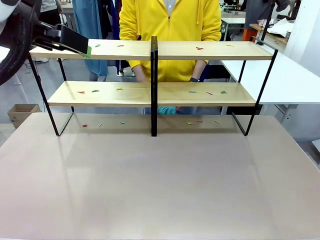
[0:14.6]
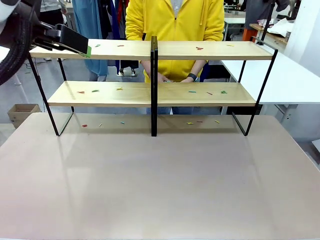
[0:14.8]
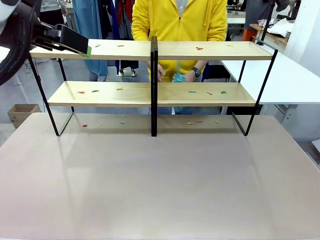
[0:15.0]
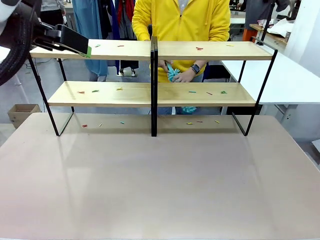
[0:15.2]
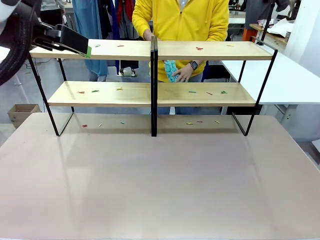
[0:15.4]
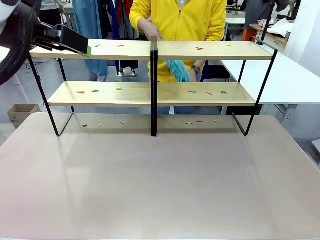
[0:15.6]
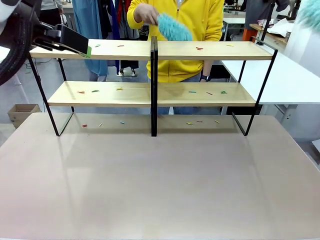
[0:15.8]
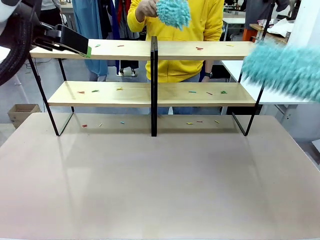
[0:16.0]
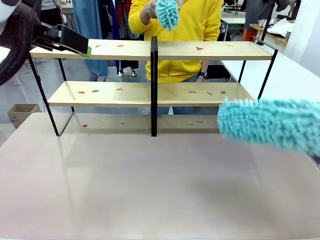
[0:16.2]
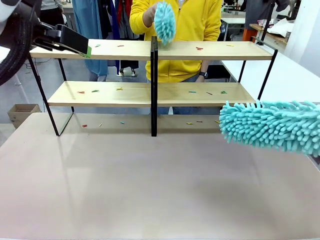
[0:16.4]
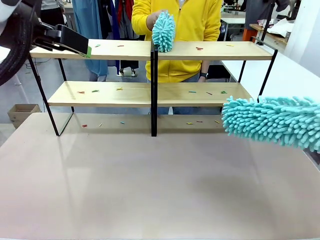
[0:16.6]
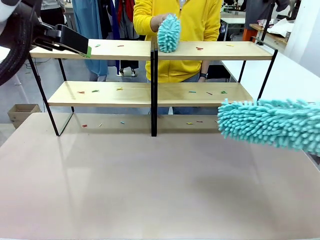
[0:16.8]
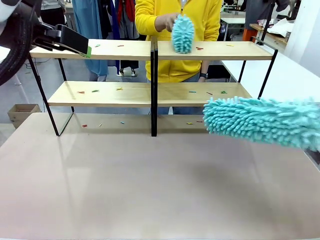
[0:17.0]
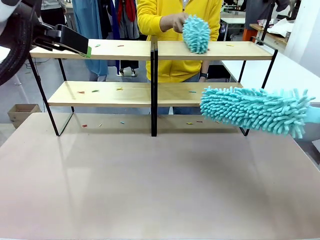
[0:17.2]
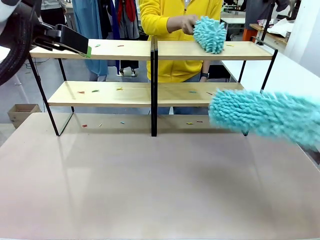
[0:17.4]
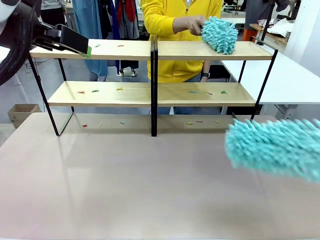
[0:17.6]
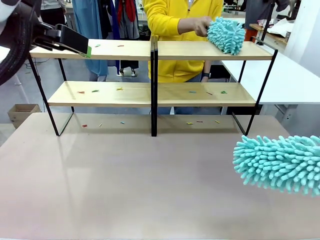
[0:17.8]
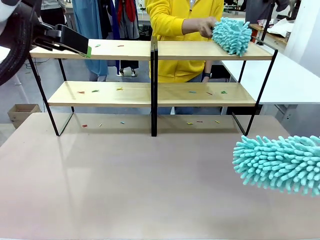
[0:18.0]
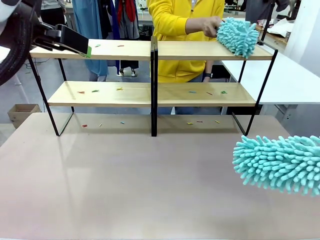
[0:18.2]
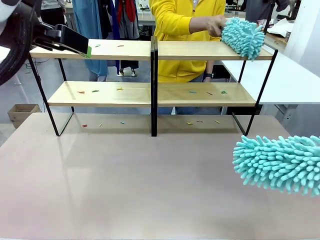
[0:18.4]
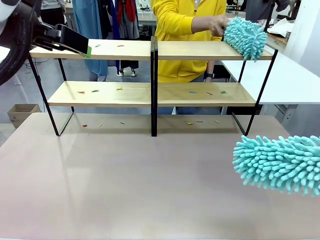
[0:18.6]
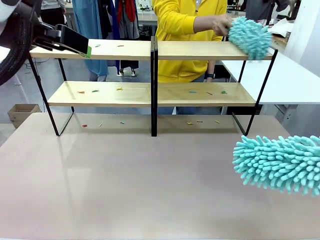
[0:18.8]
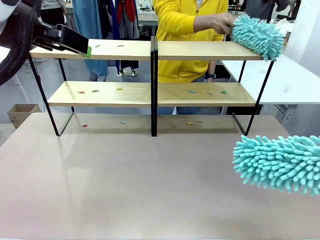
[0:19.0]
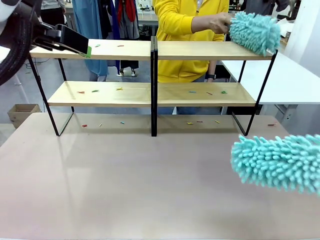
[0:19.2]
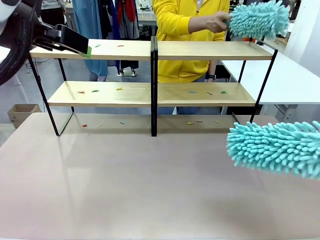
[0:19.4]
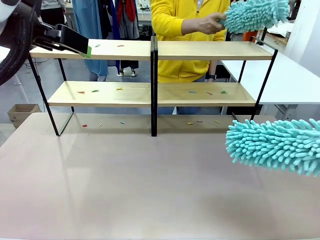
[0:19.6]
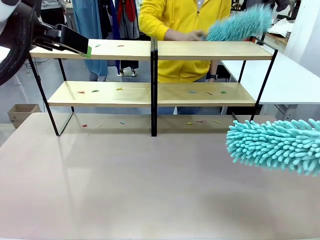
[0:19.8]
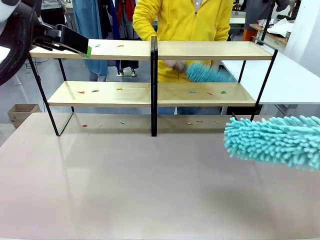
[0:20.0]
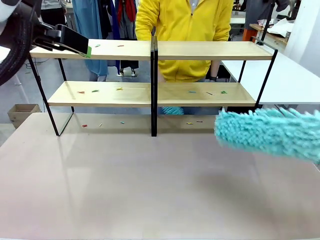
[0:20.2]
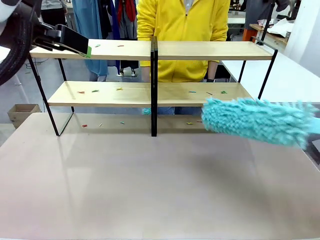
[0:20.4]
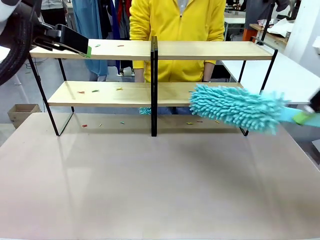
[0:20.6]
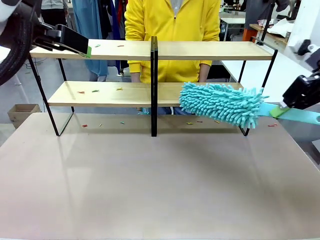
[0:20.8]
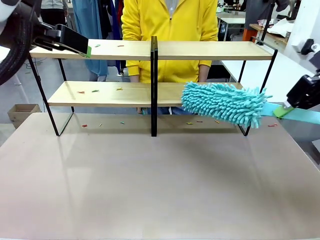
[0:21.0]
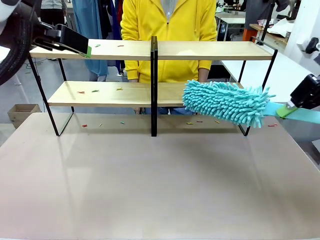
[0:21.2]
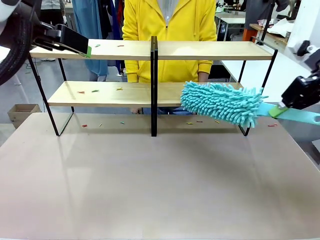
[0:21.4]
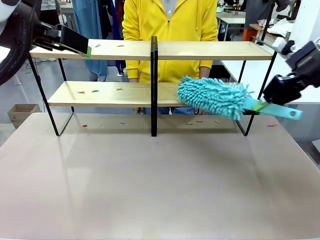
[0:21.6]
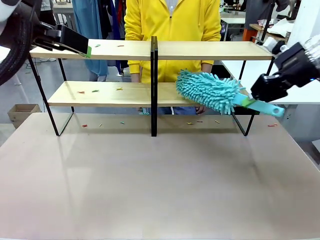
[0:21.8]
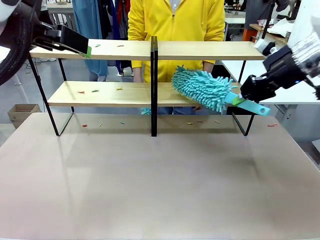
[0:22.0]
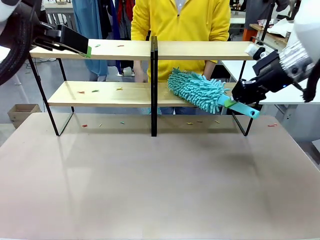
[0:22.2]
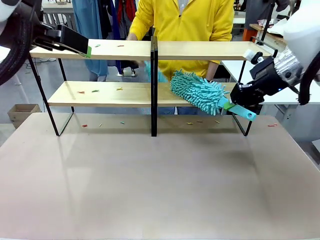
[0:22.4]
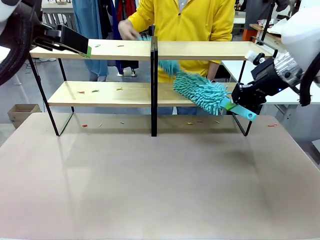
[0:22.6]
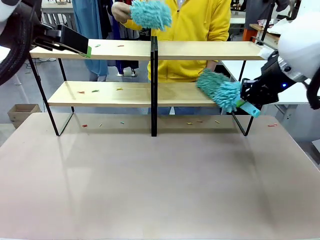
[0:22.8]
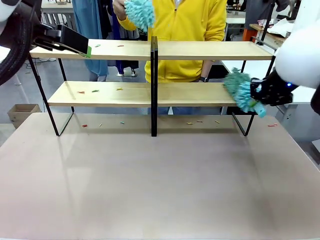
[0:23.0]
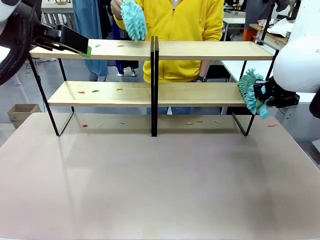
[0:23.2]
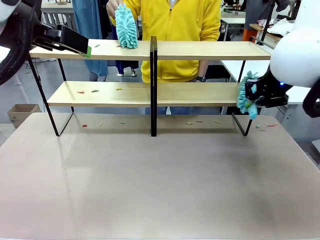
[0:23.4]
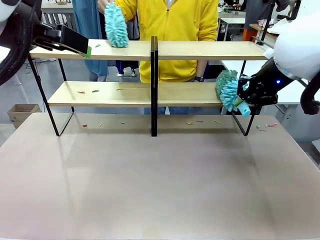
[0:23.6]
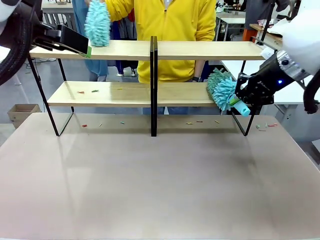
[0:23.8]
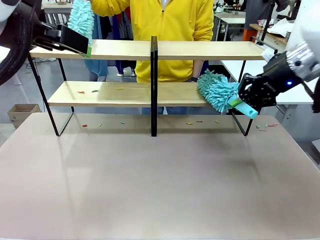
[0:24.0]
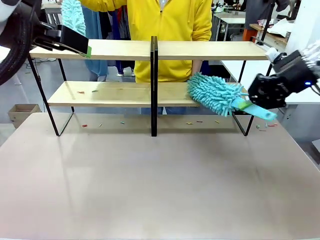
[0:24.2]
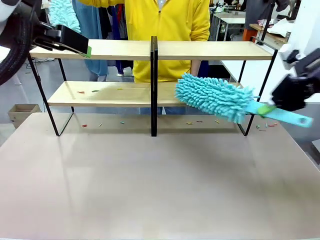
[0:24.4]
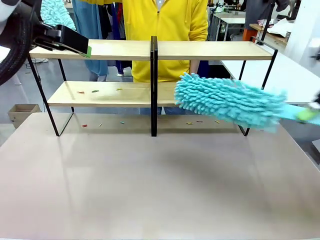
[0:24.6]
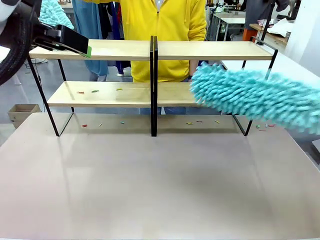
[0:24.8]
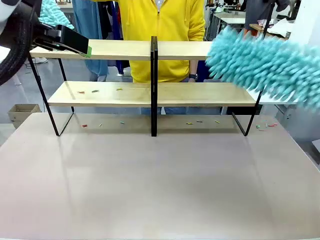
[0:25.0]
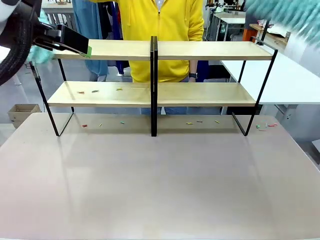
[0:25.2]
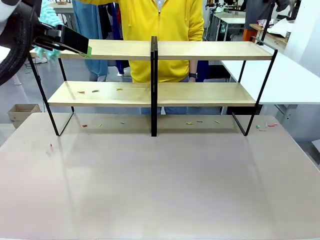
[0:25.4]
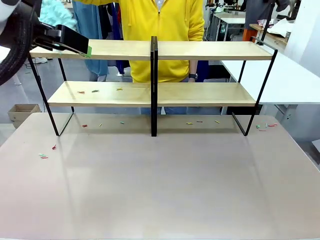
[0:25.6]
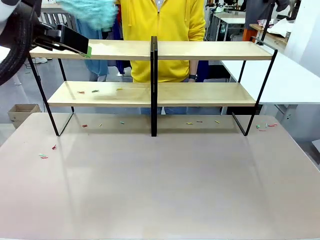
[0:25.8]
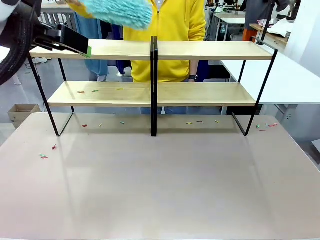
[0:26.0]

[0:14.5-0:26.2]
Task: Clean the shelves.
Robot: Clean a randomly selected level of the Shelf with the Duster.

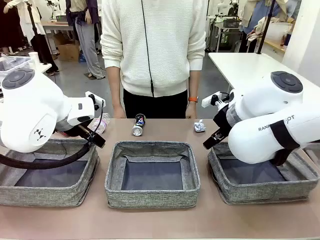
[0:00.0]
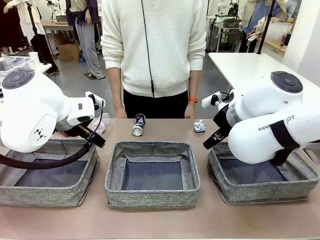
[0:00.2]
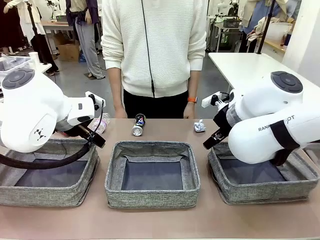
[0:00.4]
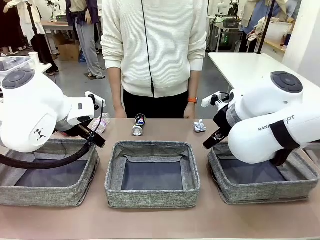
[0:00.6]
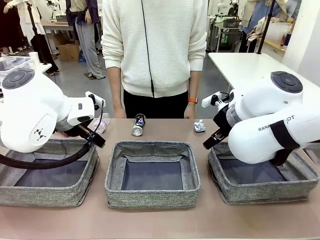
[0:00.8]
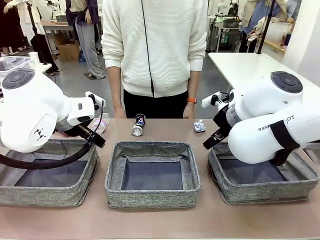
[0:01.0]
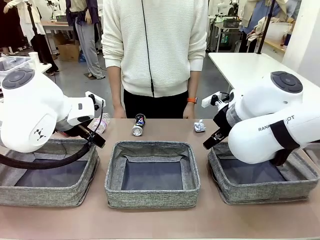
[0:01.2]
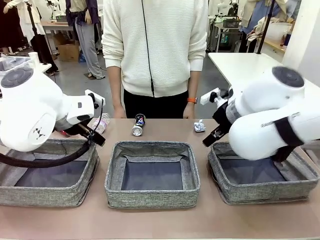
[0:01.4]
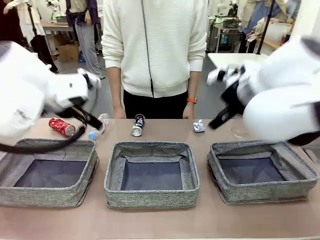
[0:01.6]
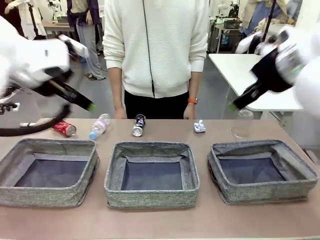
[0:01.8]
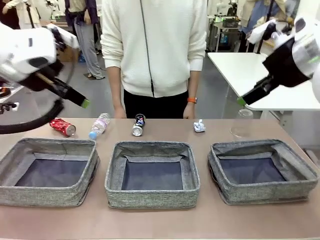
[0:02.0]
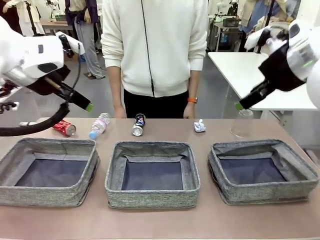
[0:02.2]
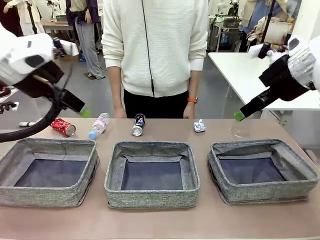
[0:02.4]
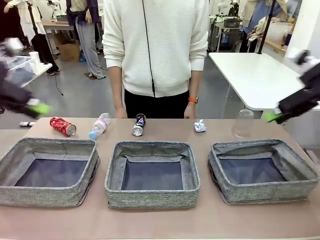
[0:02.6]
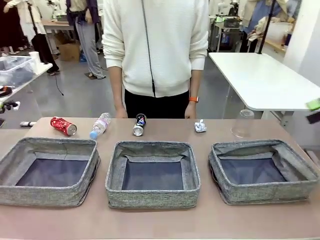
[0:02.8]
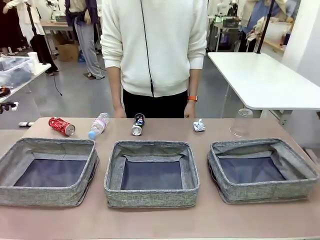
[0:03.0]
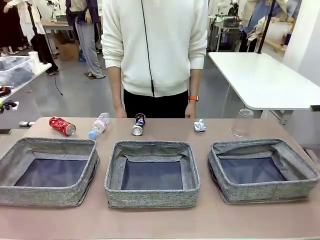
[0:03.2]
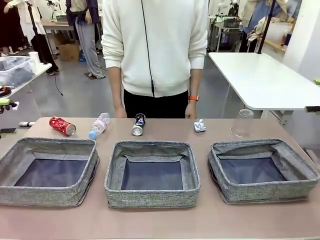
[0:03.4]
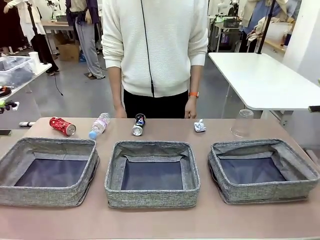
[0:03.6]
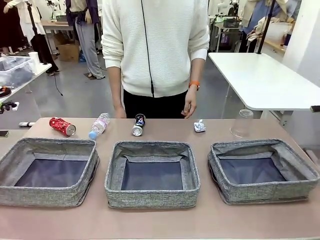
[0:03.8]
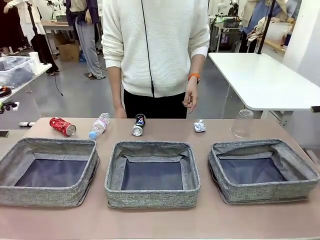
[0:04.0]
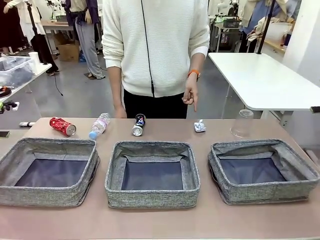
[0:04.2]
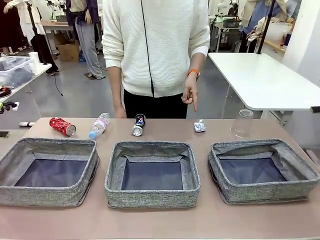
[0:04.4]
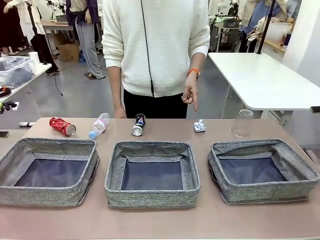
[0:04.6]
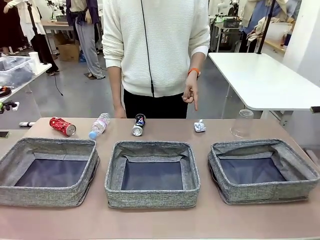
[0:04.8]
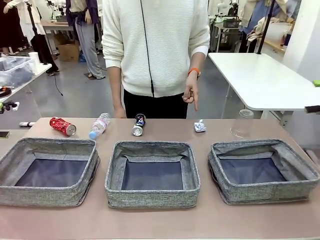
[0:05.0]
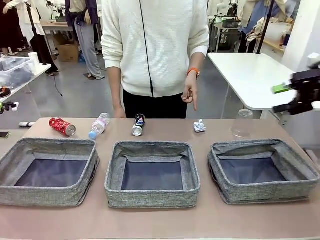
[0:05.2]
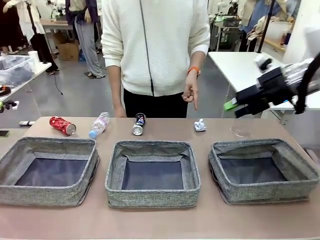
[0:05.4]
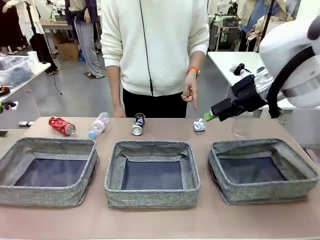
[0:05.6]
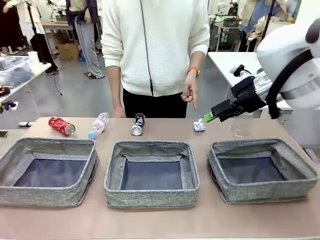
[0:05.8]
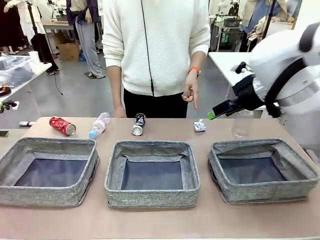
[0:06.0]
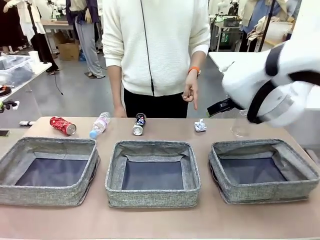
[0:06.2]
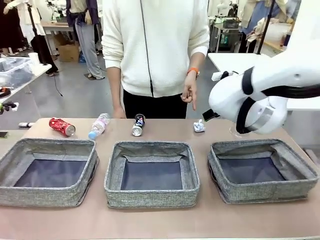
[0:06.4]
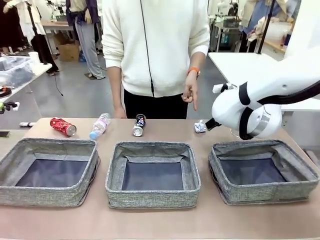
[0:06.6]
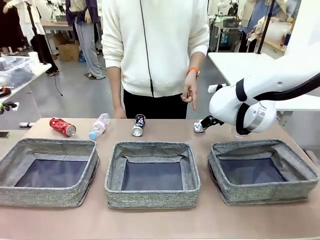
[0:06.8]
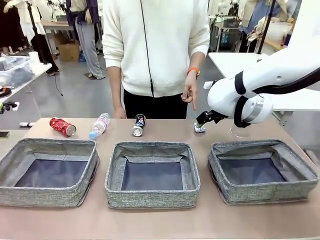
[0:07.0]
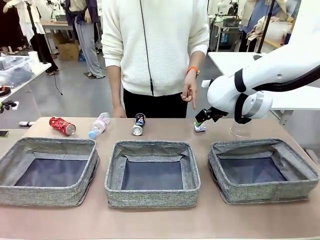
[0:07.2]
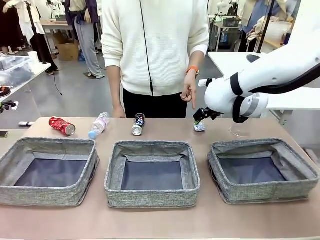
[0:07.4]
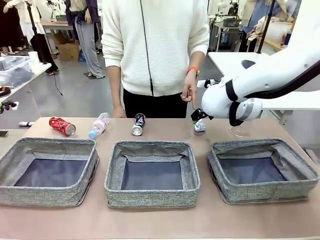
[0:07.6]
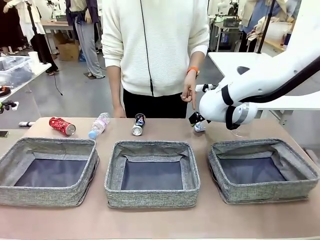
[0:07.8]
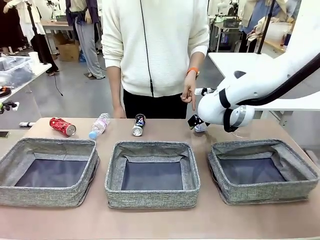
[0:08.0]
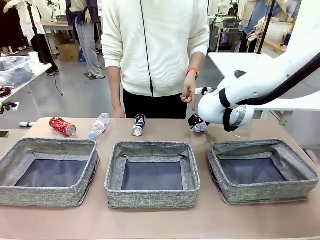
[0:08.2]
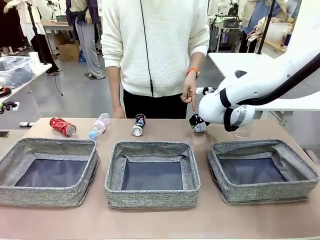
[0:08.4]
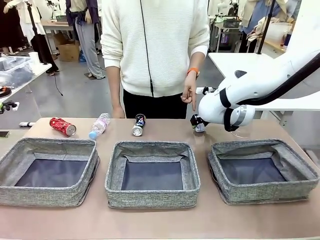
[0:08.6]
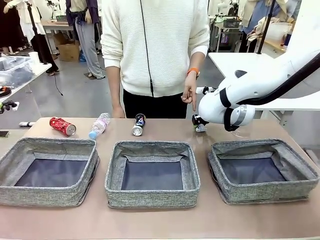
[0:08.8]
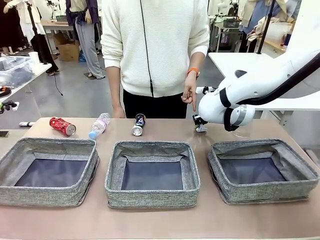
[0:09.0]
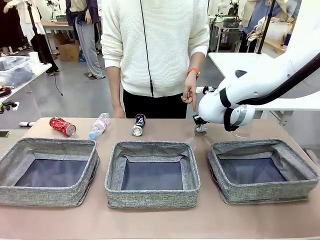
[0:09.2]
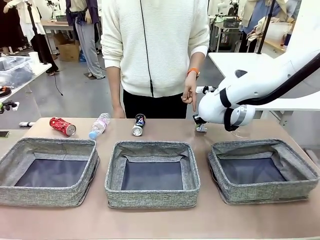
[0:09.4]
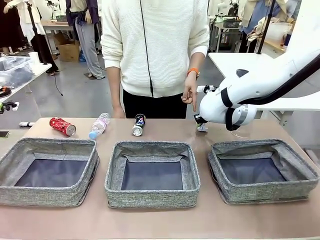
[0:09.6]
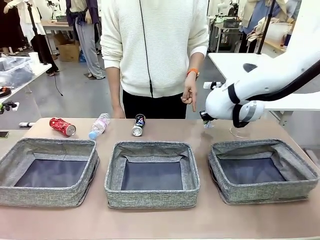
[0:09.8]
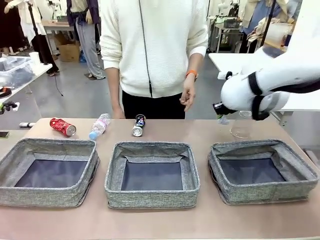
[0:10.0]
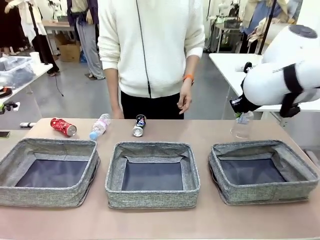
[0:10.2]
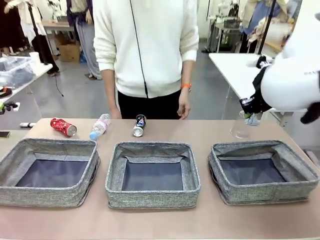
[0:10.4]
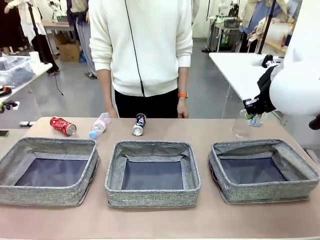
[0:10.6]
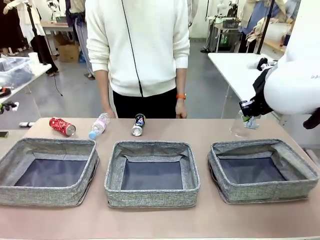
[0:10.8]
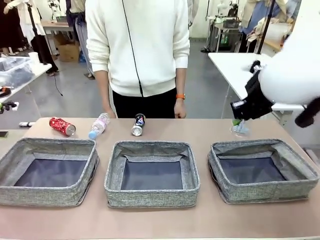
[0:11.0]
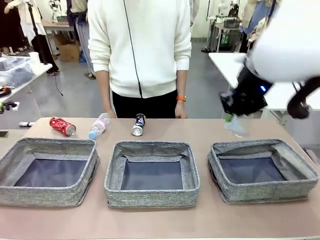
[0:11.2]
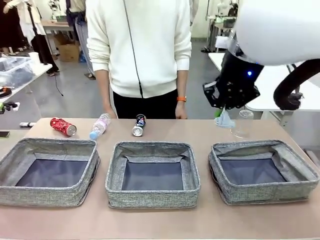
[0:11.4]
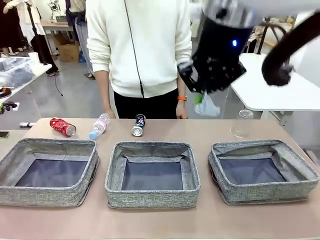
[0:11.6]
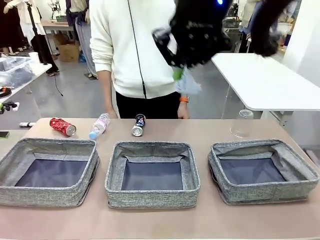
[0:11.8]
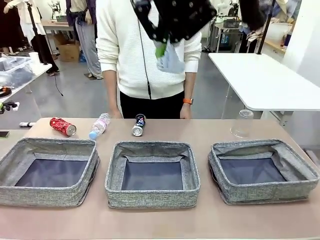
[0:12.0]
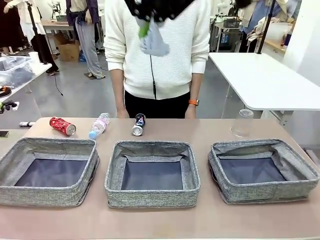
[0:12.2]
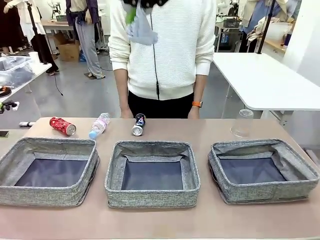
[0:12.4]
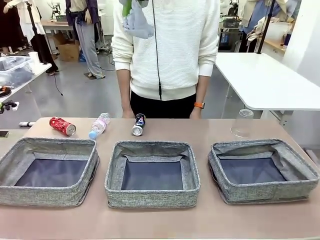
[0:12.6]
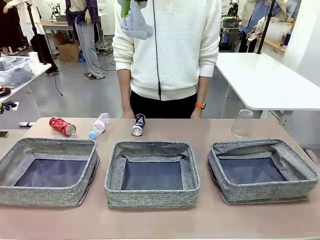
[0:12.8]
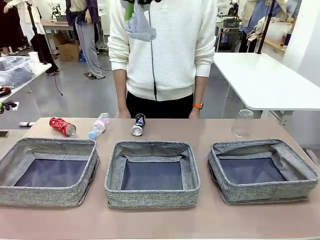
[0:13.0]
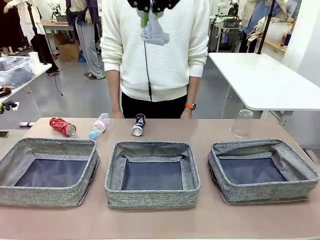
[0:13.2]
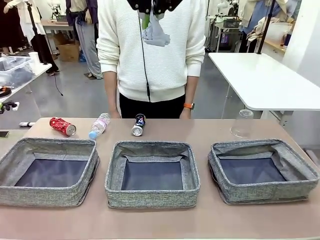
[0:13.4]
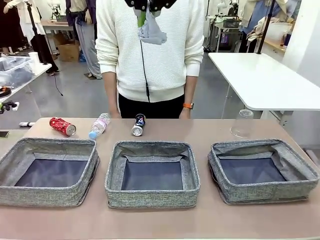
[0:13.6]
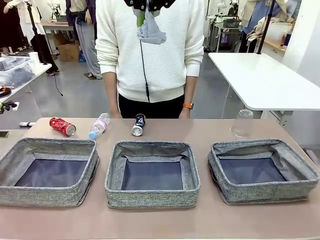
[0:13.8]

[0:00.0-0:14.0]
Task: Sort the waste into the appropriate baskets.
Robot: Pick up the waste item pointed out by the person.
Person: Points to one piece of trash on the table.
